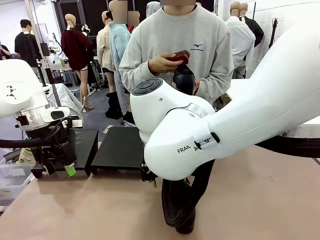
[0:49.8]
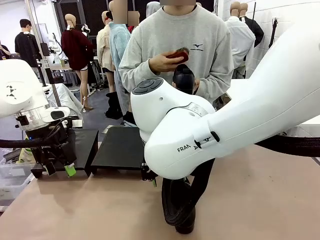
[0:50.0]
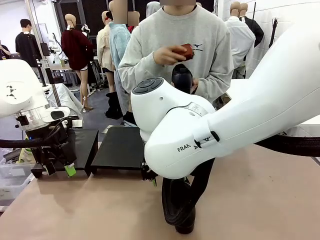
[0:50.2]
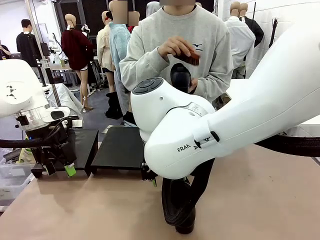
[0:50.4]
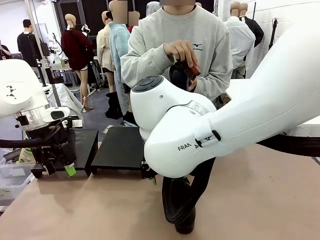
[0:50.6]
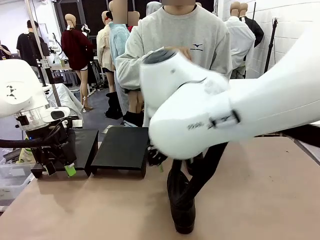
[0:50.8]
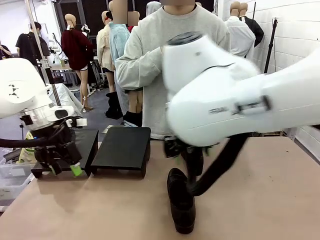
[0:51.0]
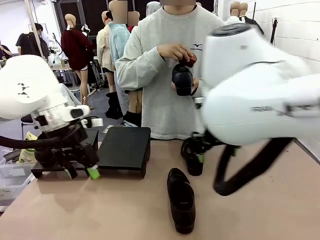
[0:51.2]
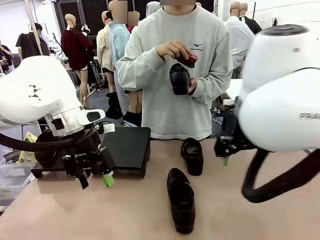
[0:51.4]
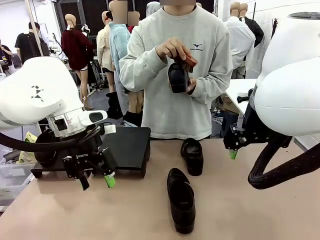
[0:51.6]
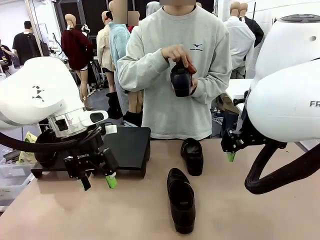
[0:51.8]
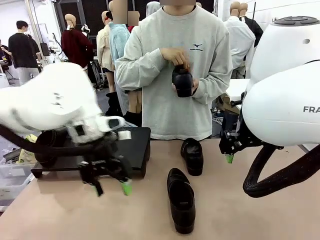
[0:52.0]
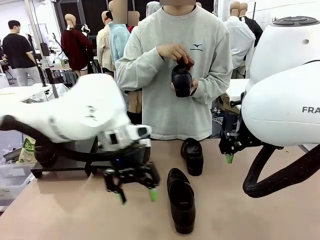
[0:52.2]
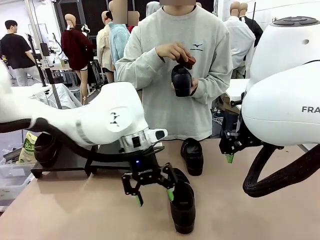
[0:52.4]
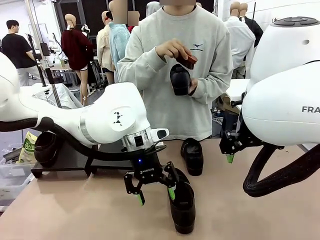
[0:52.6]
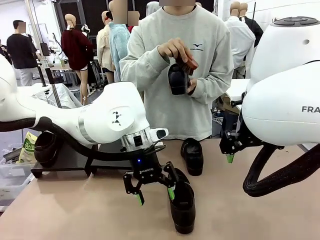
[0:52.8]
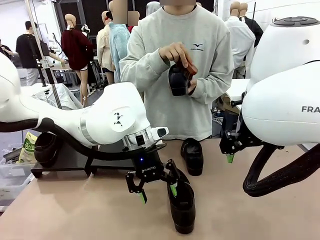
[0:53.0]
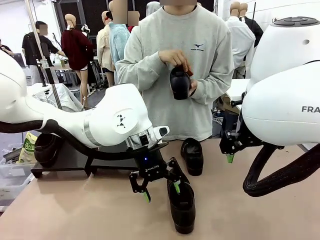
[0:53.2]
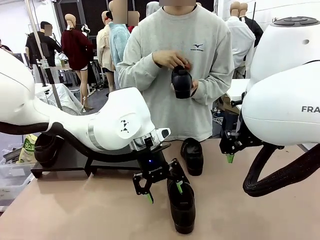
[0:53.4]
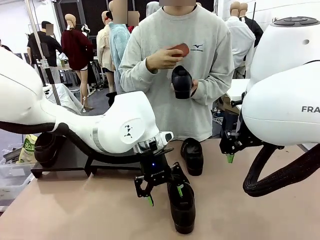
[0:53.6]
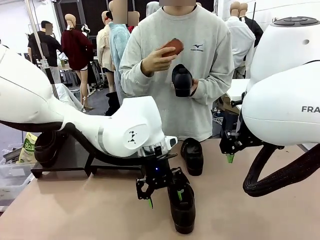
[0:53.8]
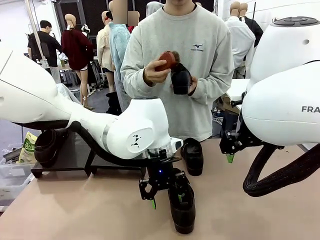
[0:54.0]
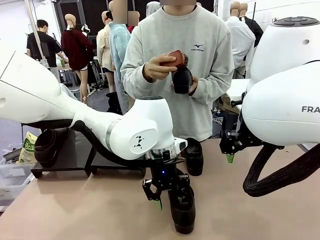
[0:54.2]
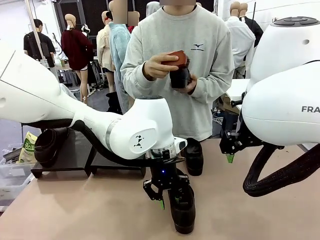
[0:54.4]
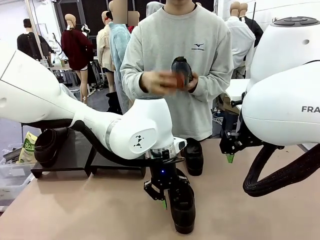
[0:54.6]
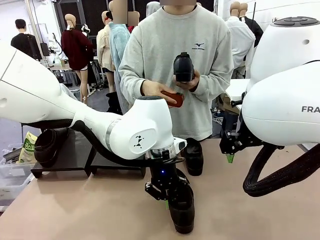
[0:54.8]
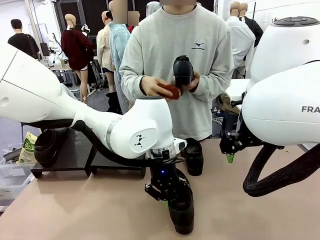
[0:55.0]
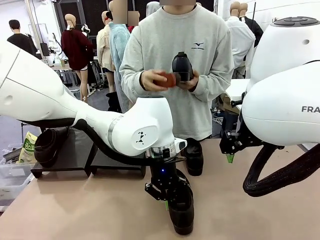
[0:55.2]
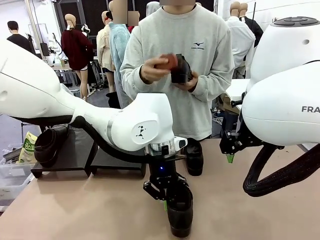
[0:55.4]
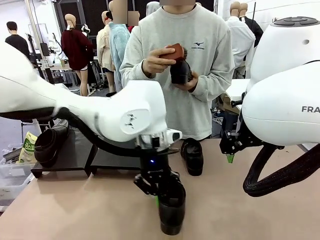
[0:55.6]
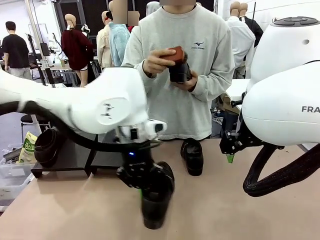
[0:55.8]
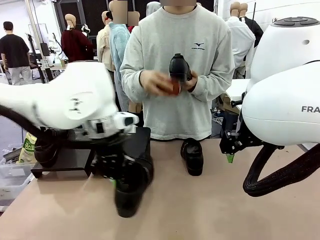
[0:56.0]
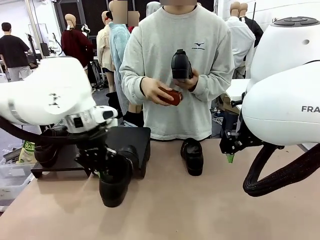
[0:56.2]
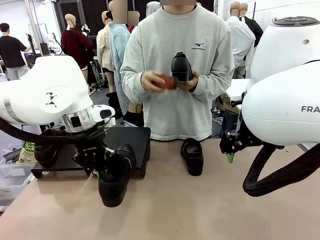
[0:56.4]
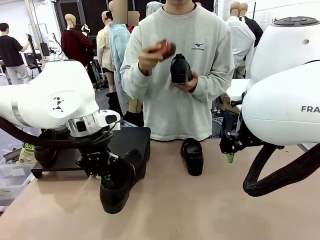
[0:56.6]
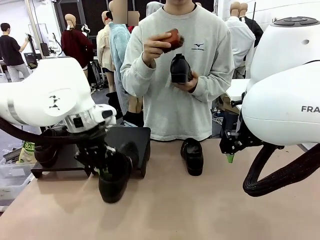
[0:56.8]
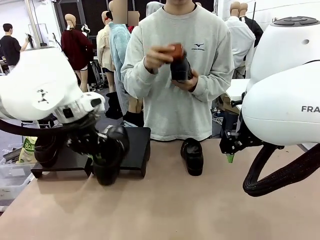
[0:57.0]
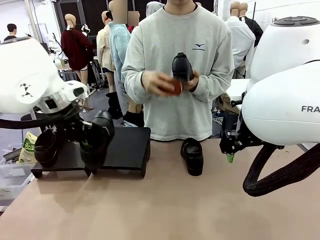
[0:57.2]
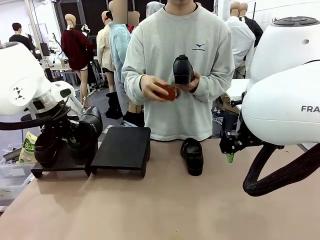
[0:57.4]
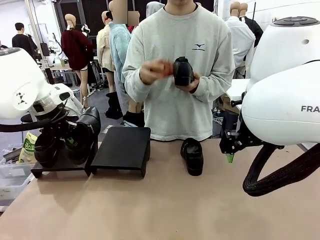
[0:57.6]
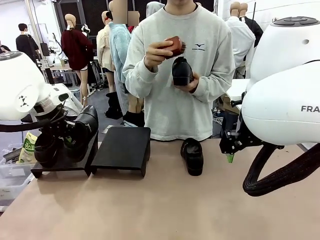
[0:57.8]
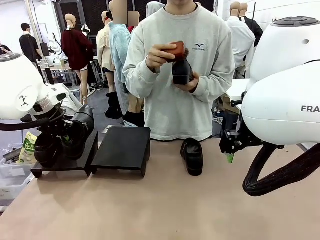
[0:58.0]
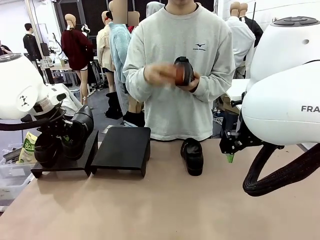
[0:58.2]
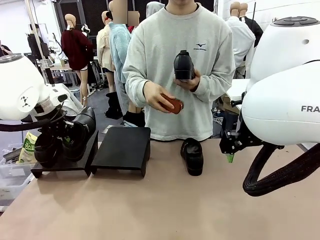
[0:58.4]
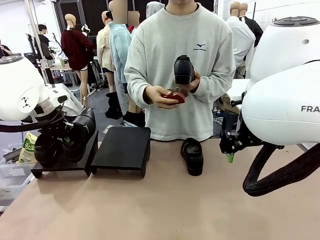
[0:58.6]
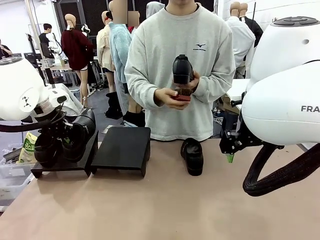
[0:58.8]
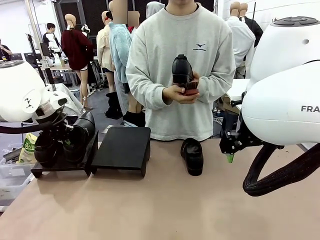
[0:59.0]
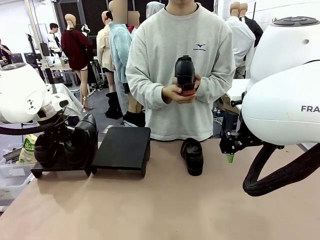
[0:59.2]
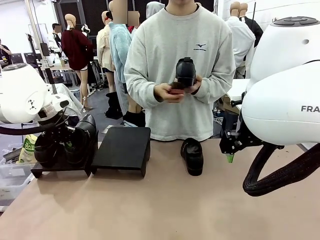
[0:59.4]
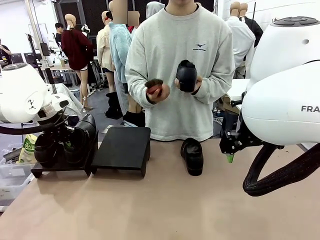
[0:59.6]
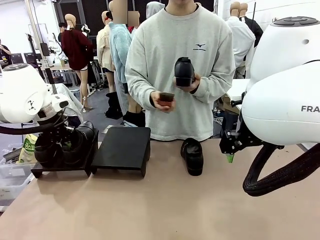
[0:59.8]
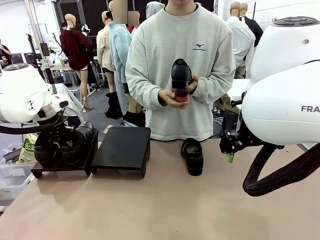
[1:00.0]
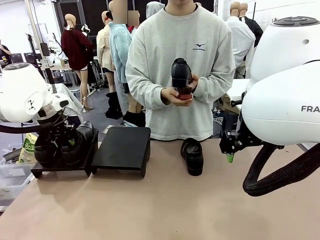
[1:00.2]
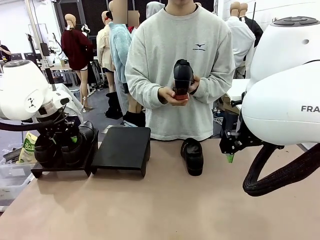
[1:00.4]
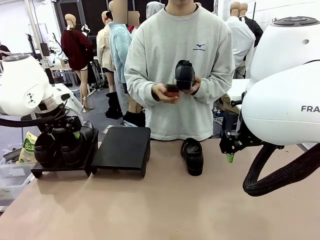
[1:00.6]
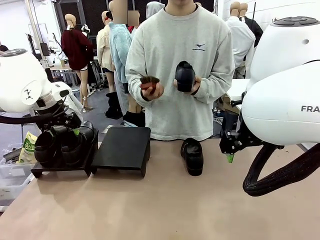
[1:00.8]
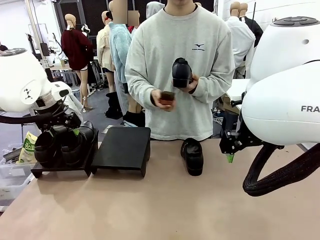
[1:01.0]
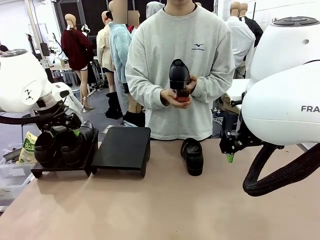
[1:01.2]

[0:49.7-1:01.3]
Task: Organize the shoes by placing them on the stand.
Robot: Place the Shoe from the middle of the table onto the Shoes Stand.
Person: Clean the Shoe with the Shoe Brush.

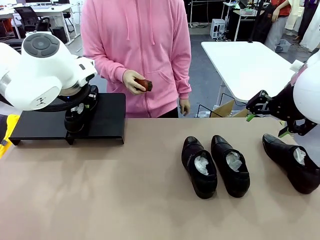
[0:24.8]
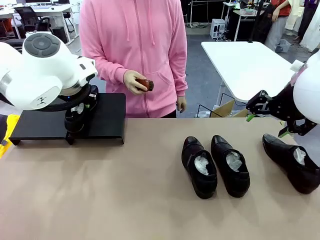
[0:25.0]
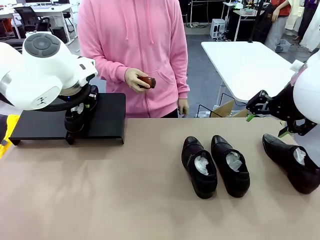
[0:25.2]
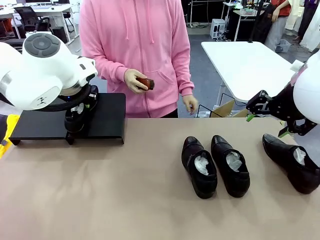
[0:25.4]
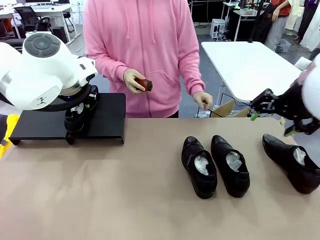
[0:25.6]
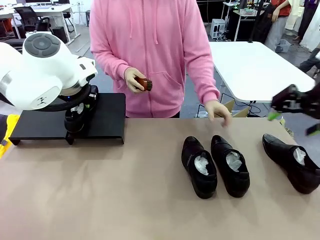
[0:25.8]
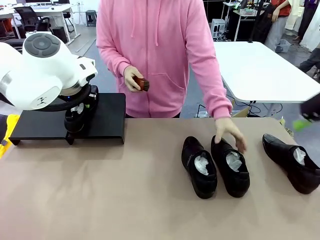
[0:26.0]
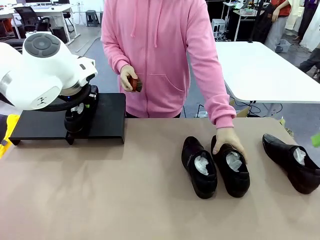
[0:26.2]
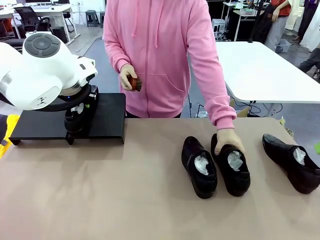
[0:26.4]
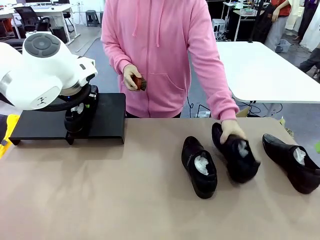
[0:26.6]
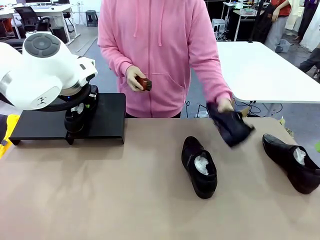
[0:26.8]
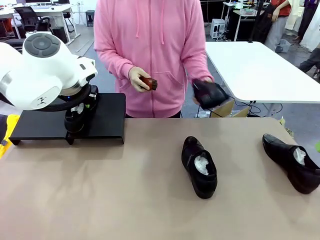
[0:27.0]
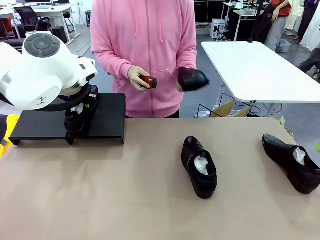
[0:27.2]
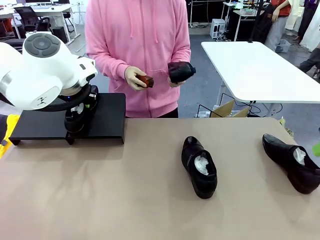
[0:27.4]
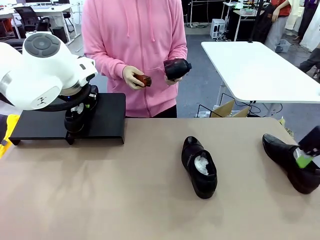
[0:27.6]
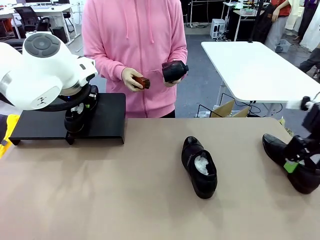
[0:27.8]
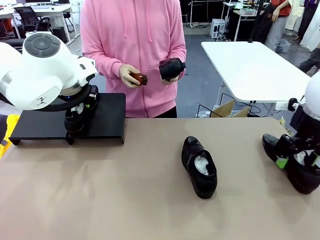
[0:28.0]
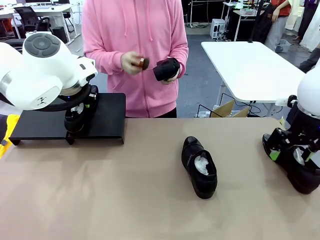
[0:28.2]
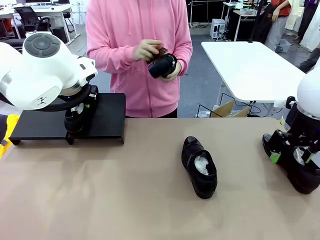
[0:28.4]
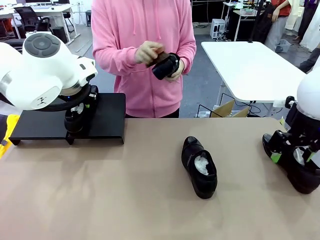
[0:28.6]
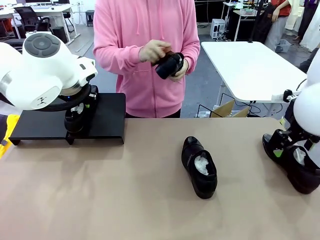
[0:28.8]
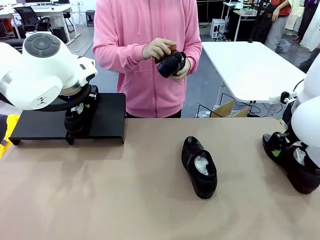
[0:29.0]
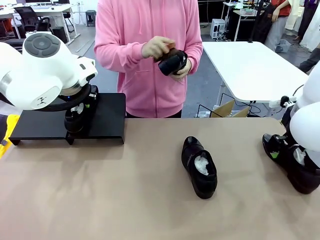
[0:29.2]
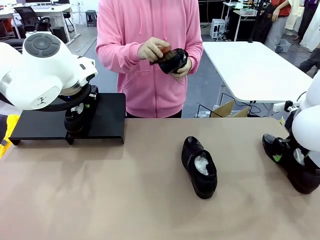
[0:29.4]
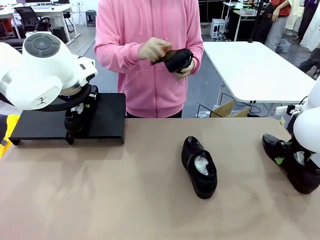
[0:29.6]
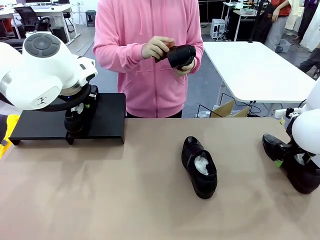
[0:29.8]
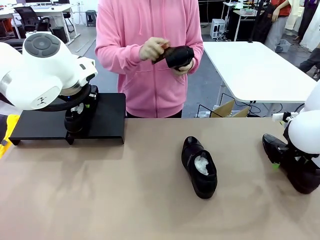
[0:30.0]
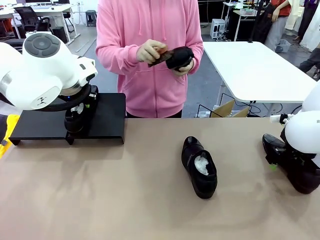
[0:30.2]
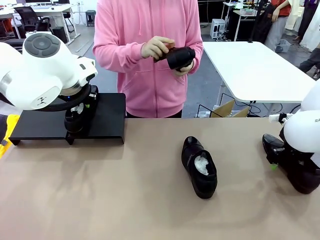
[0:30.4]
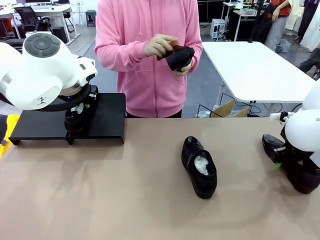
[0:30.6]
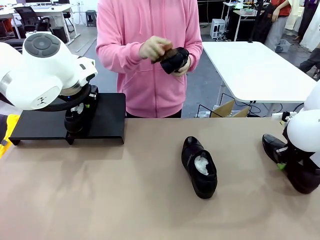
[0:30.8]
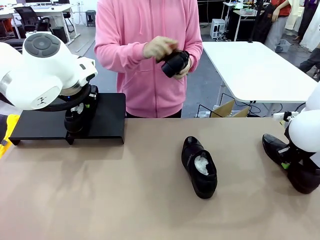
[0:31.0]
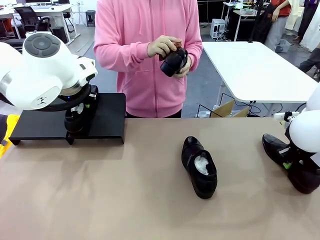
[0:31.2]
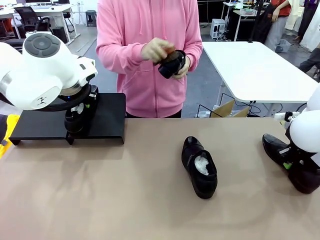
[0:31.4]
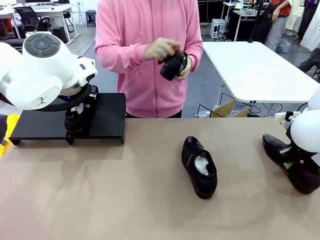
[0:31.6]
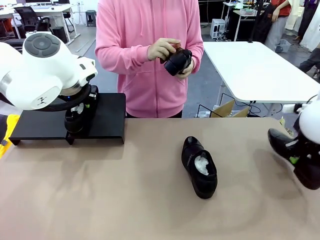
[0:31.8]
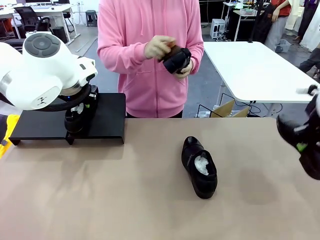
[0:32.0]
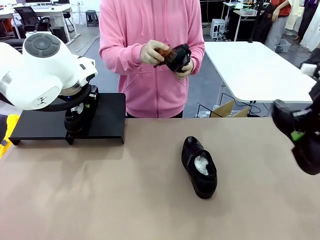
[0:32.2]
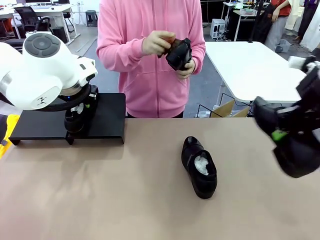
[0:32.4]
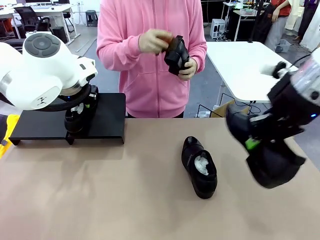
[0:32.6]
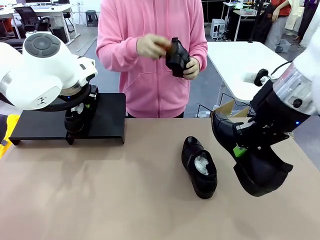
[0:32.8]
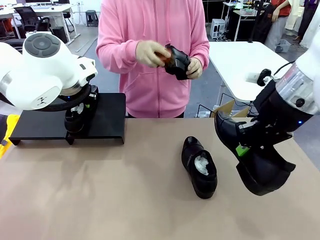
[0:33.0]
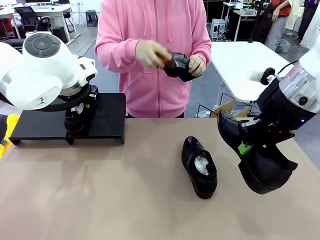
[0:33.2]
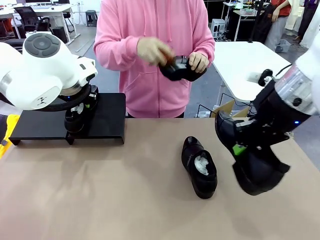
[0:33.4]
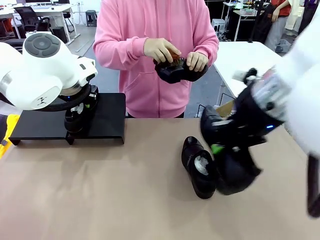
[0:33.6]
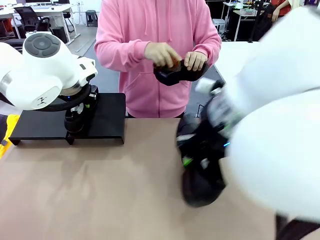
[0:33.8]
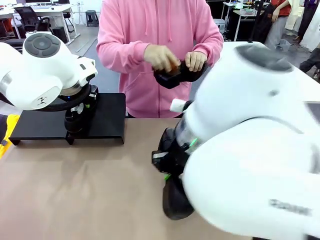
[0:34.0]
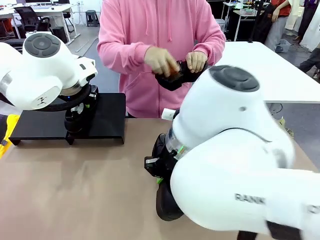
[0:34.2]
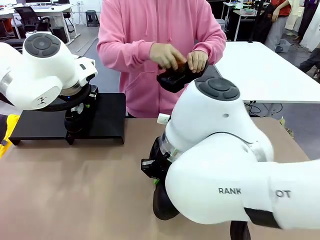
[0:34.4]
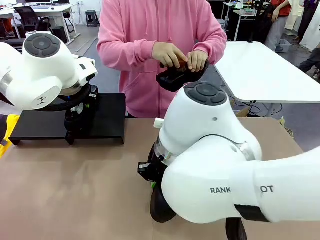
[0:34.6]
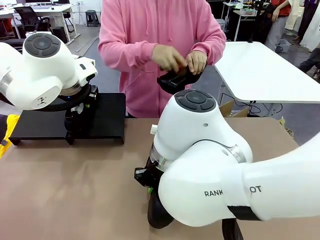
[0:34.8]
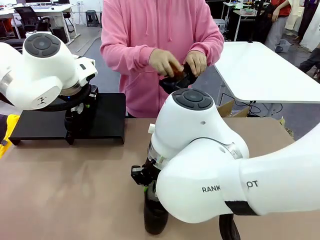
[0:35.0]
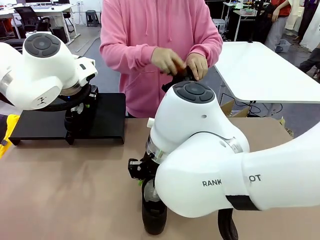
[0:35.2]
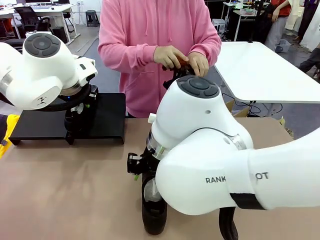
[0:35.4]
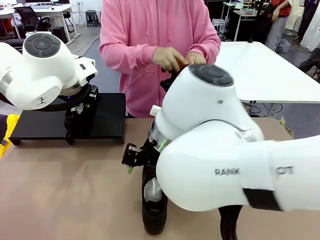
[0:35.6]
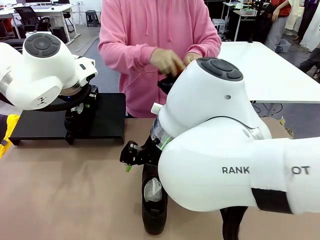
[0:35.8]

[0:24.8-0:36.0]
Task: Organize the shoes by placing them on the stand.
Robot: Pick up one Shoe and place it in the middle of the table.
Person: Pick one Shoe on Robot's table.
